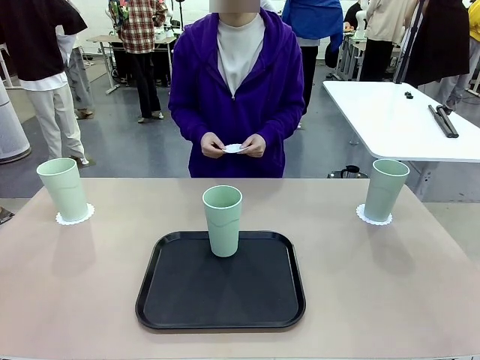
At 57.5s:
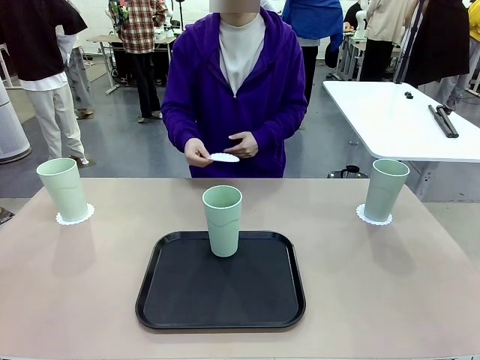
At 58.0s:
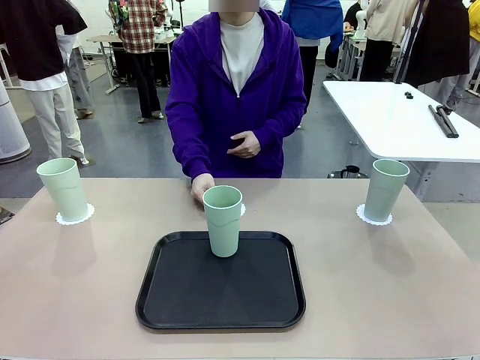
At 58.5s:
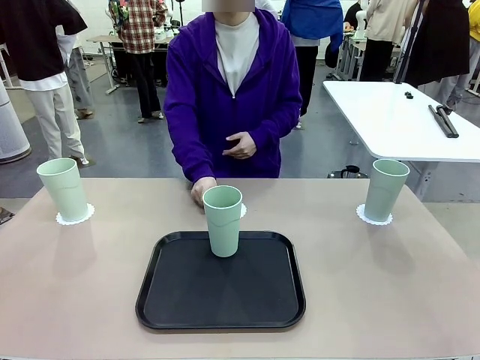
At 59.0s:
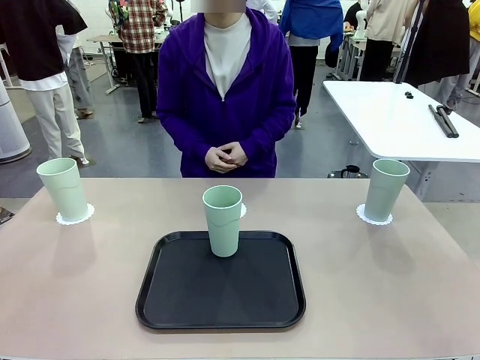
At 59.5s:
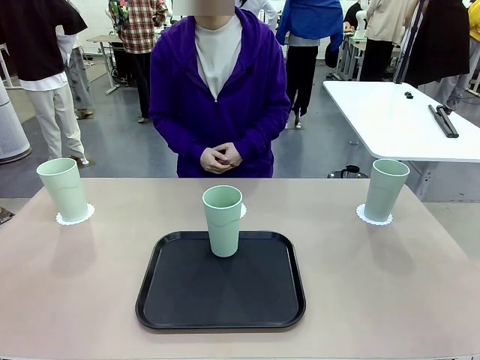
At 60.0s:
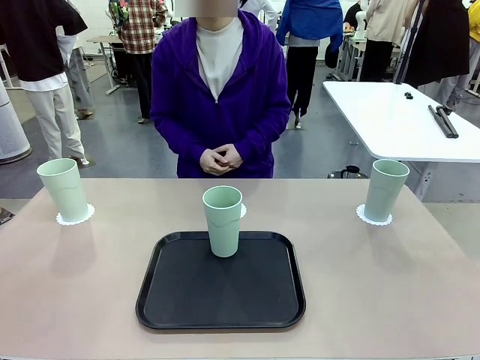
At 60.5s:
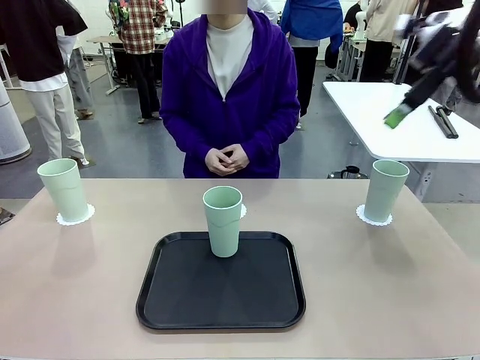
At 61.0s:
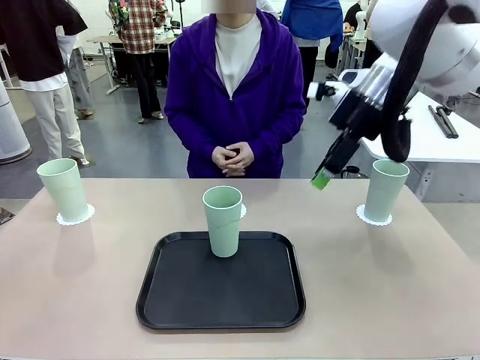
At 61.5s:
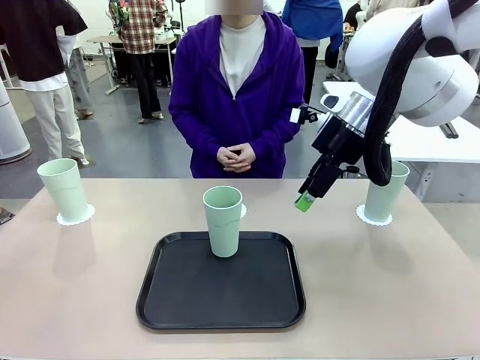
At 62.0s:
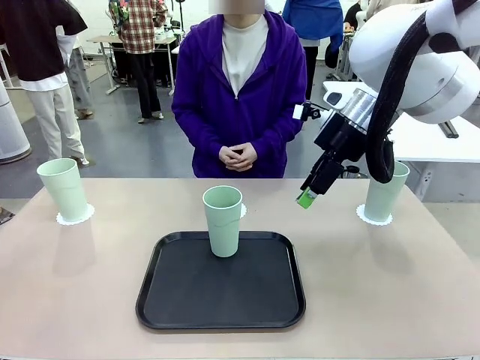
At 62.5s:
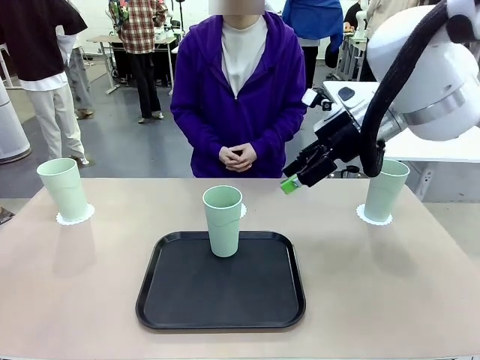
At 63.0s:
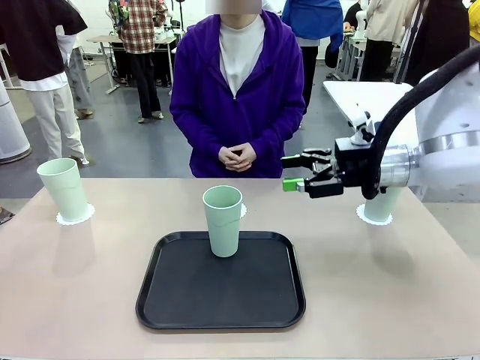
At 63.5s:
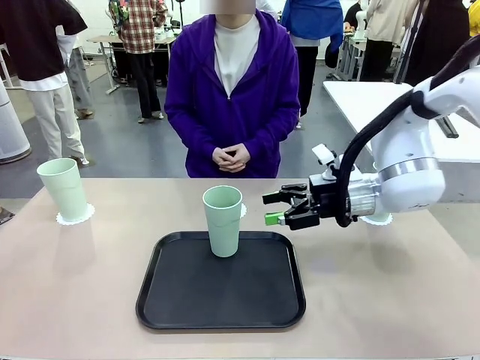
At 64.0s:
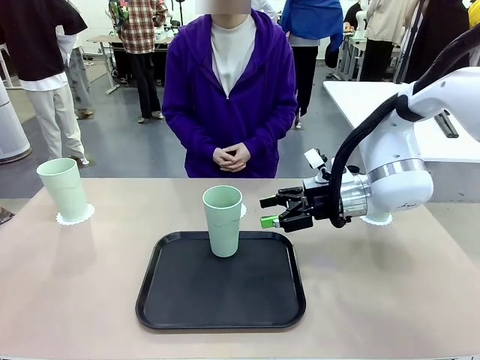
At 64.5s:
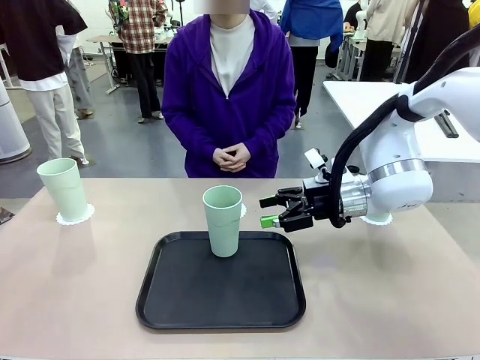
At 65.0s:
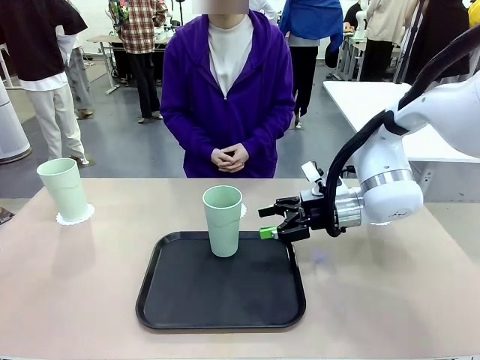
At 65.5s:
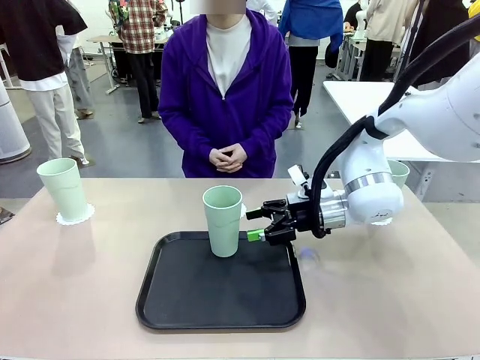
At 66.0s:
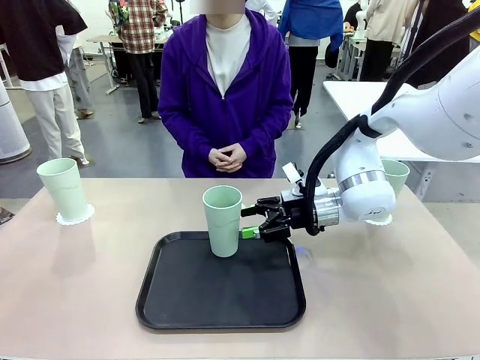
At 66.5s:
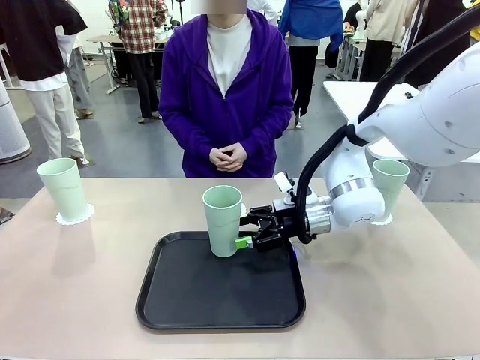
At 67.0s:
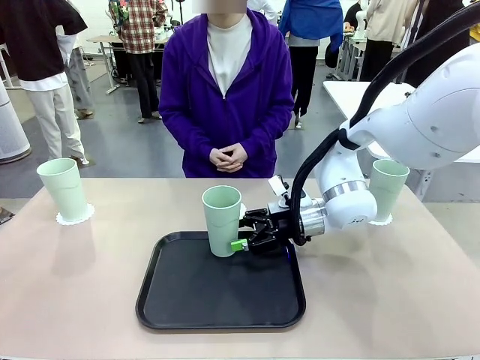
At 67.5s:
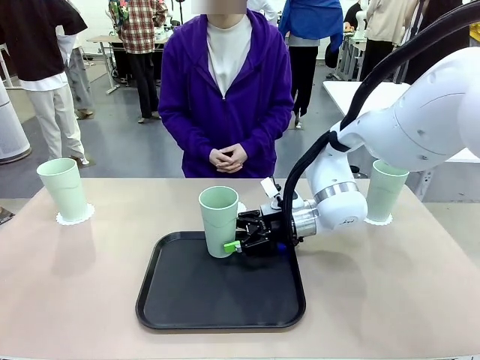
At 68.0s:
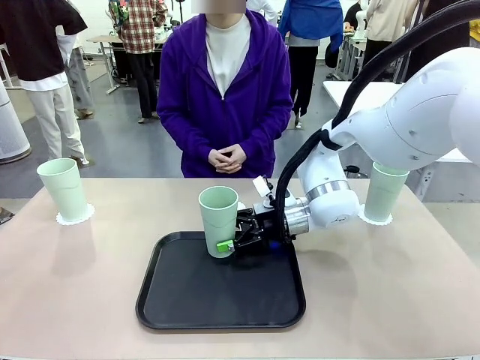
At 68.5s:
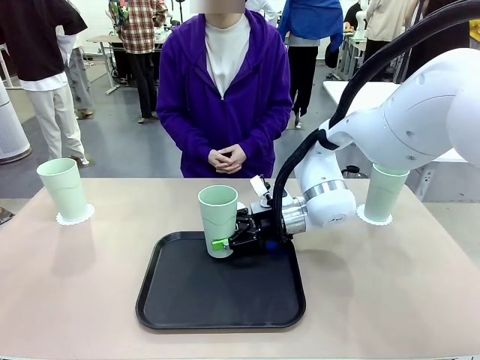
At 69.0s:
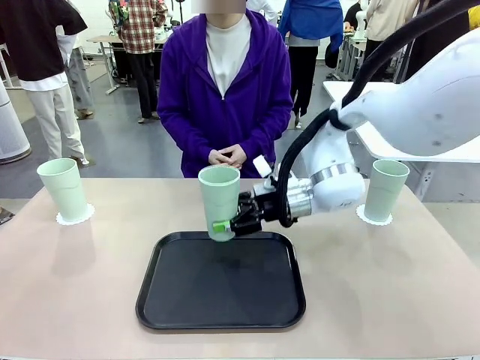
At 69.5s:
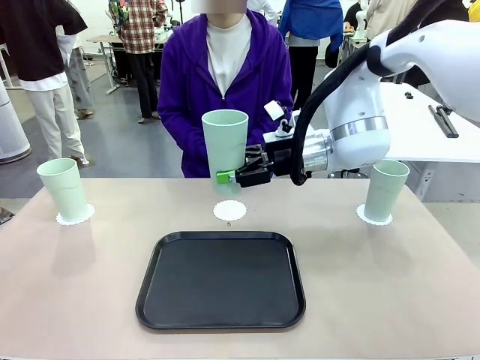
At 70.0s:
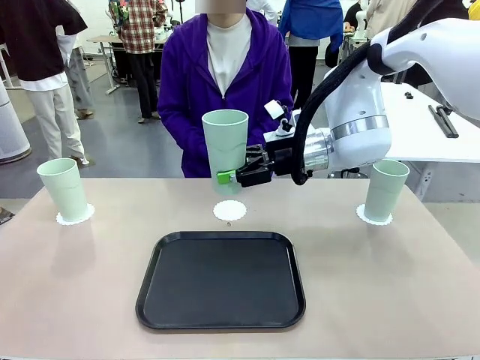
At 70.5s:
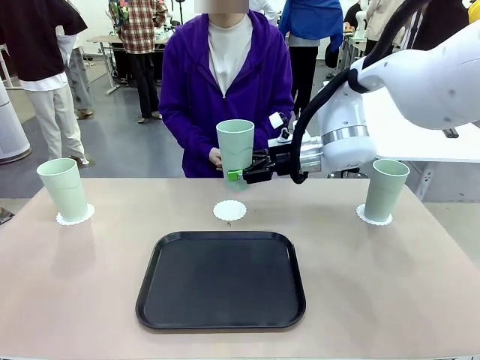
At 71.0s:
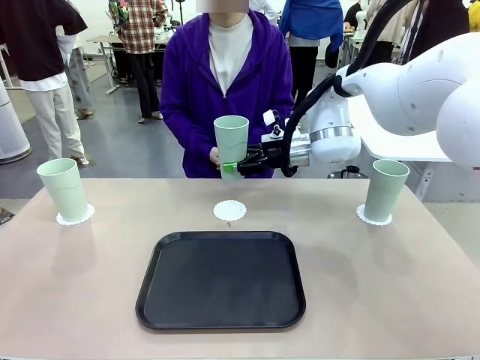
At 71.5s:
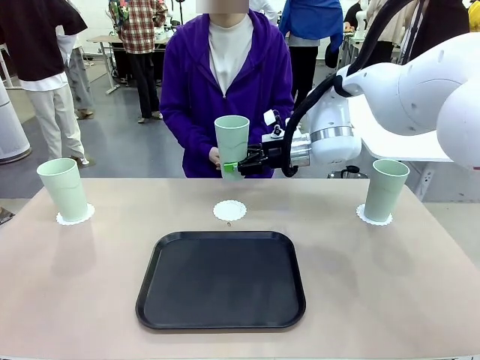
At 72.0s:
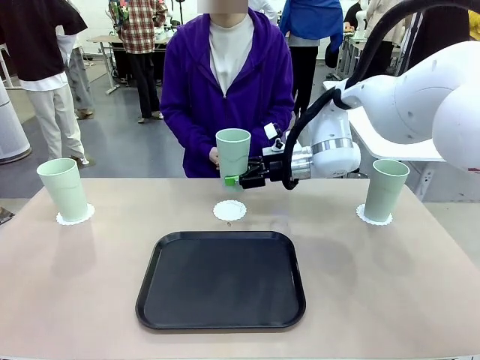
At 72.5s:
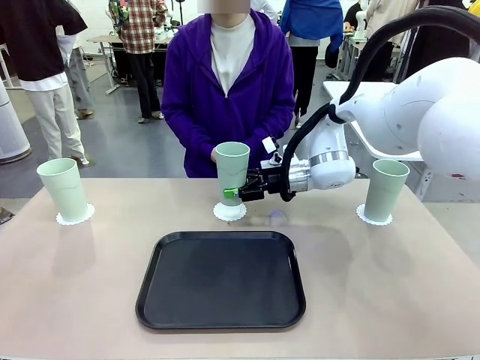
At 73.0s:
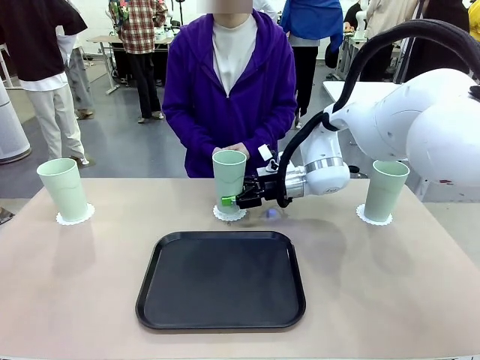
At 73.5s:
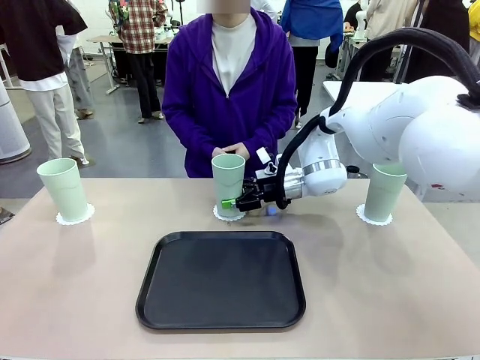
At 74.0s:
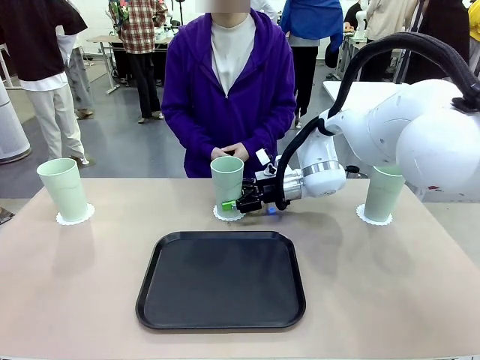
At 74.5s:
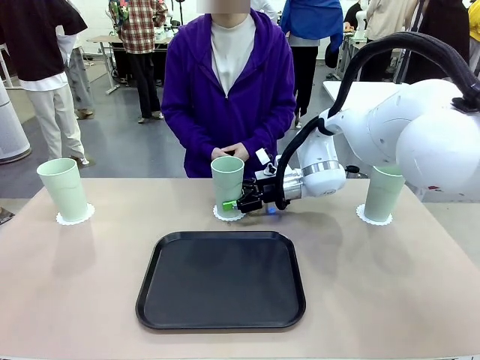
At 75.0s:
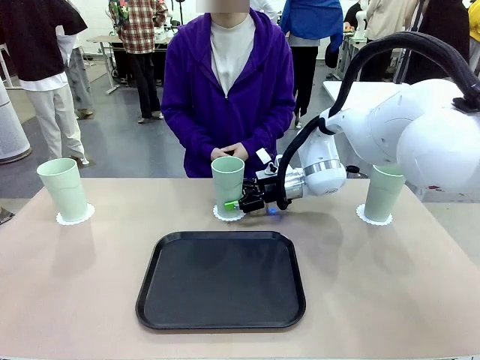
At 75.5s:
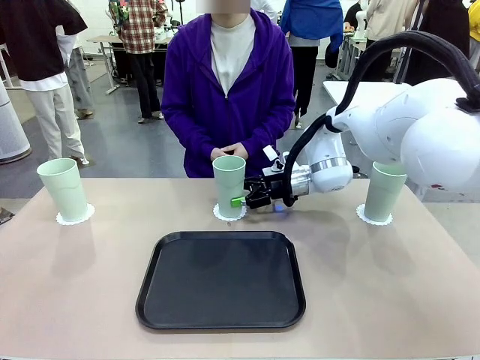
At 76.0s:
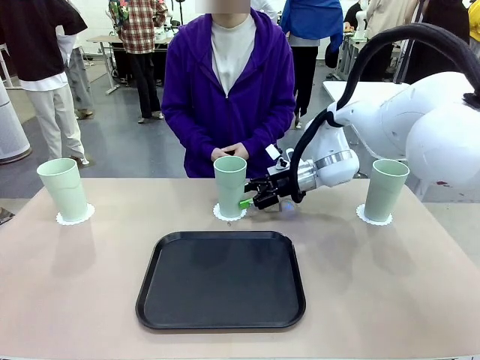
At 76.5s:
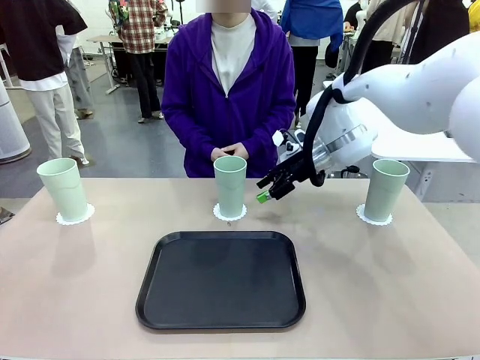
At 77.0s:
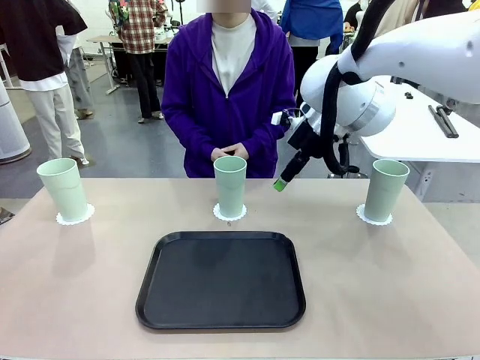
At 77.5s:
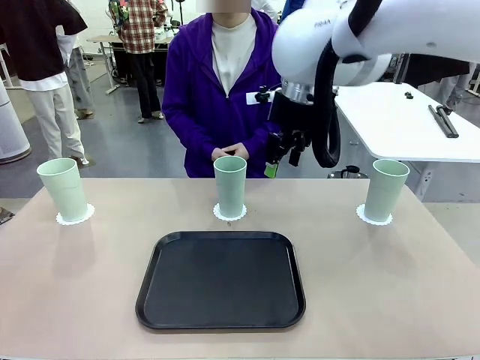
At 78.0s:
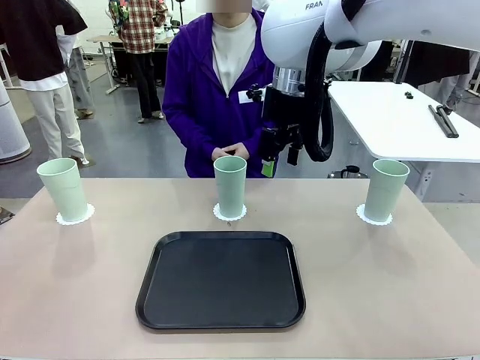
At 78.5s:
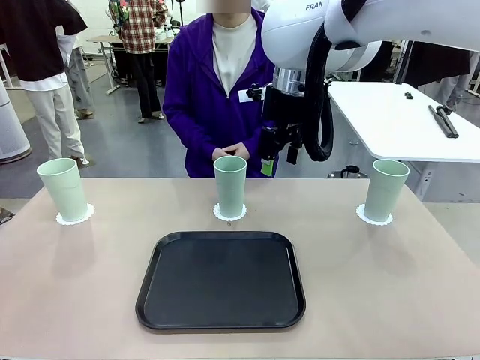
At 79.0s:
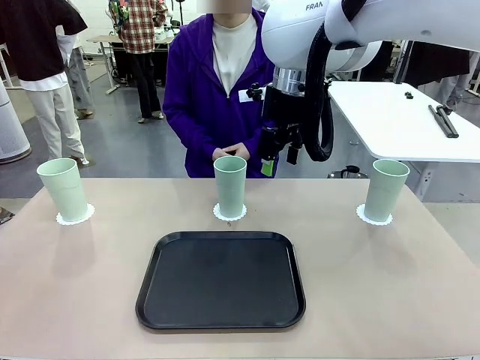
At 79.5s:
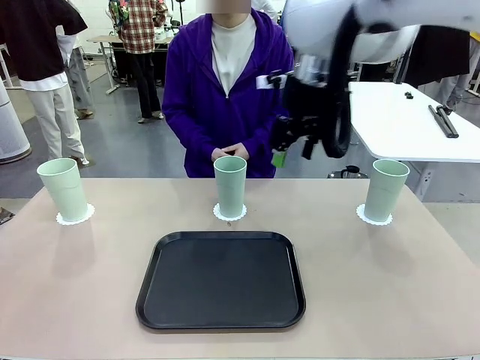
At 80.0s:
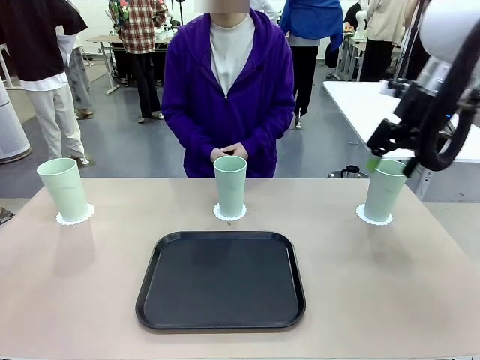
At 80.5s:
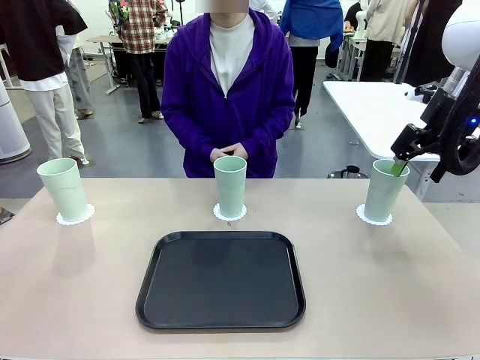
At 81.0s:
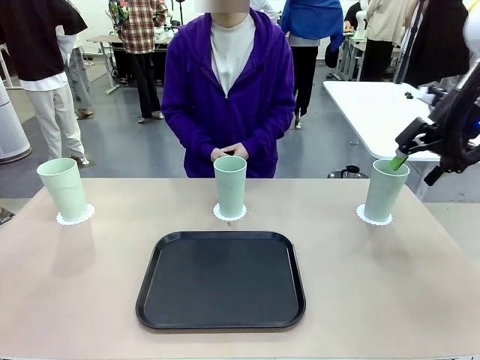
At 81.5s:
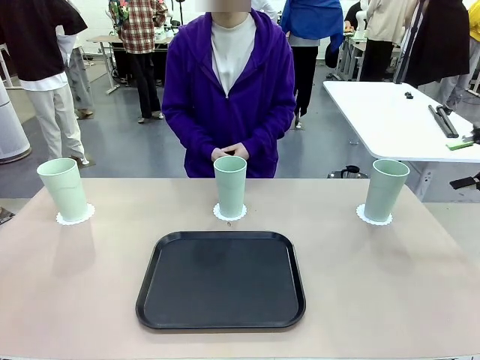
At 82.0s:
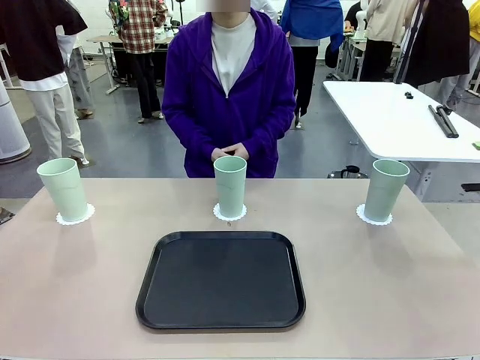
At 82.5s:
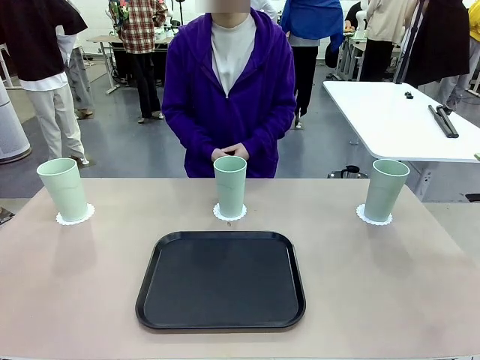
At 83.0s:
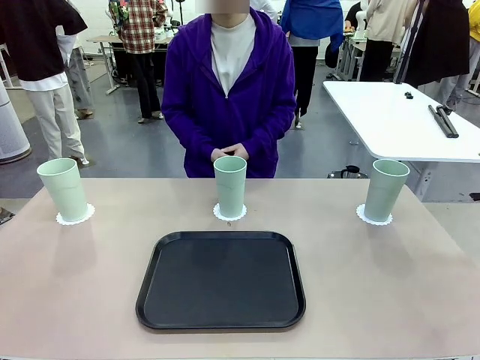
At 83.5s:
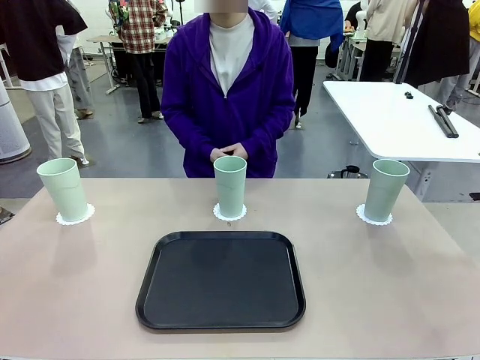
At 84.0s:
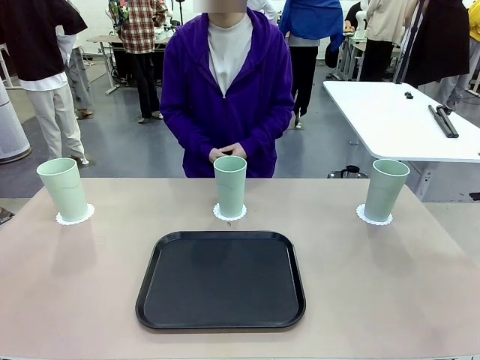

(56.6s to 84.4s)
Task: Place coasters on the table and set cups on them.
Robot: Take one Reusable plastic cup from the Flat Tray and place it on a coaster set by the human.
Person: Place one coaster in the only remaining area.
